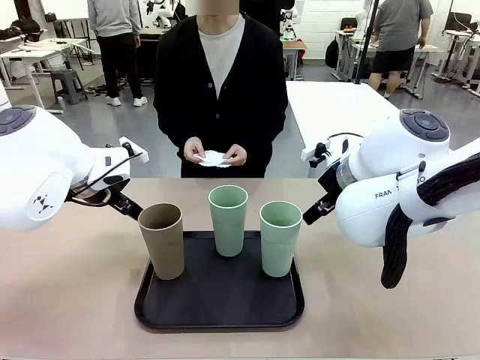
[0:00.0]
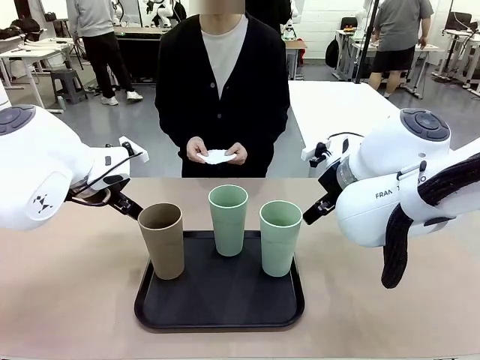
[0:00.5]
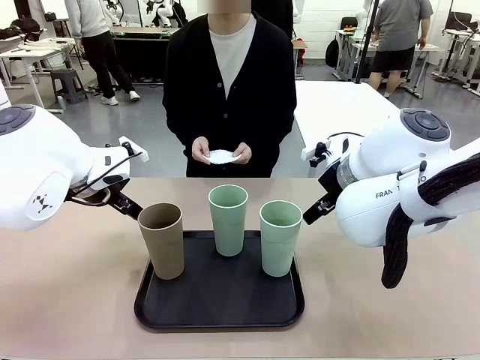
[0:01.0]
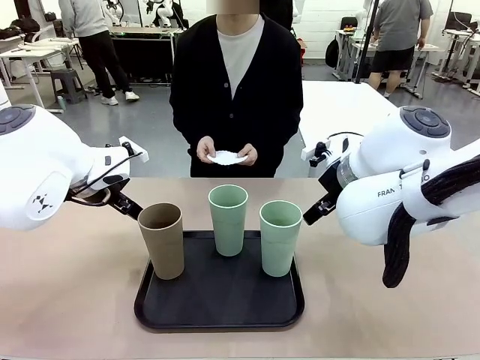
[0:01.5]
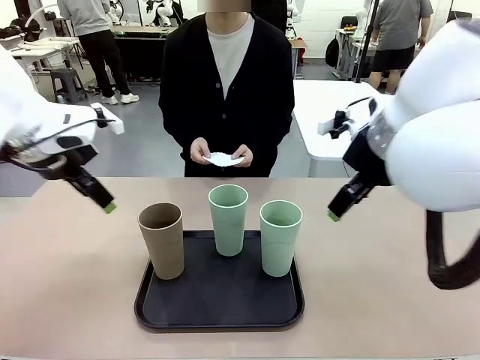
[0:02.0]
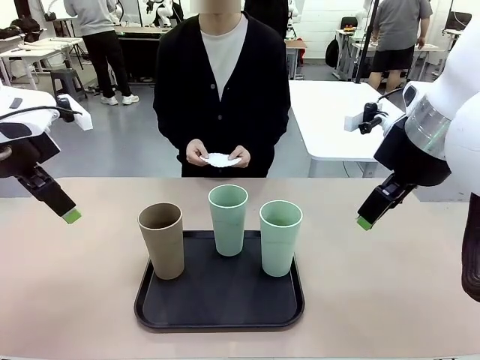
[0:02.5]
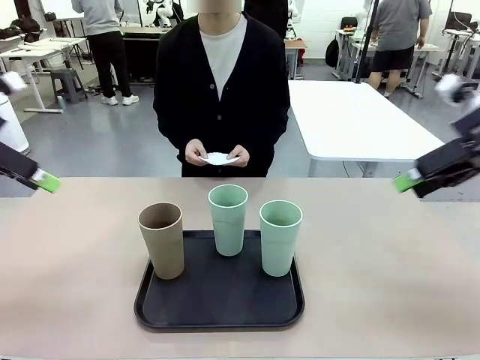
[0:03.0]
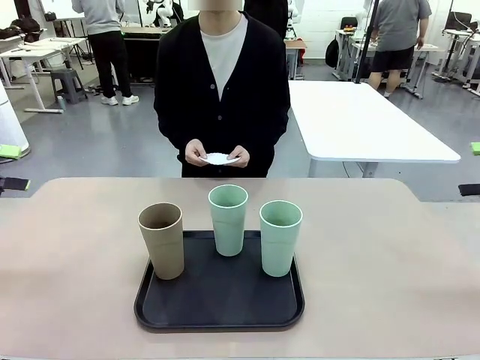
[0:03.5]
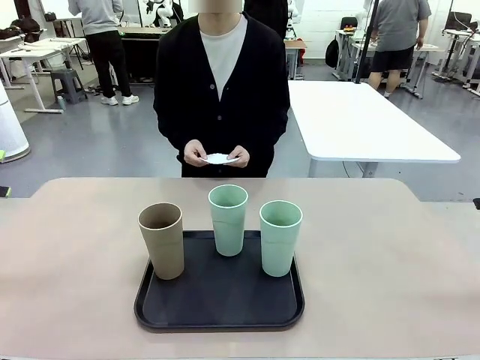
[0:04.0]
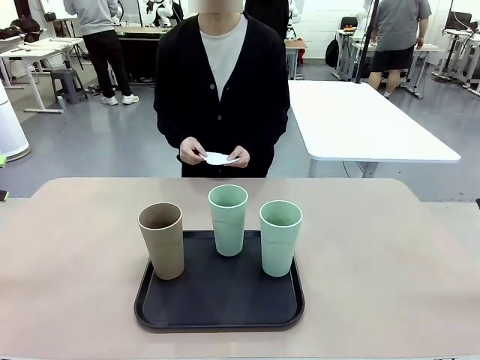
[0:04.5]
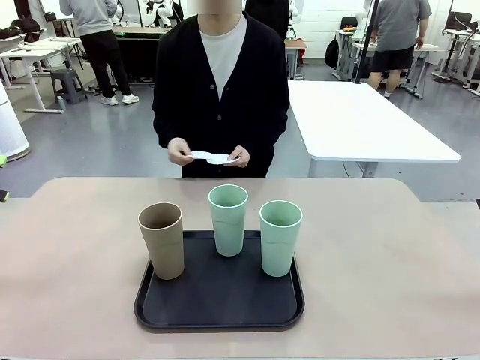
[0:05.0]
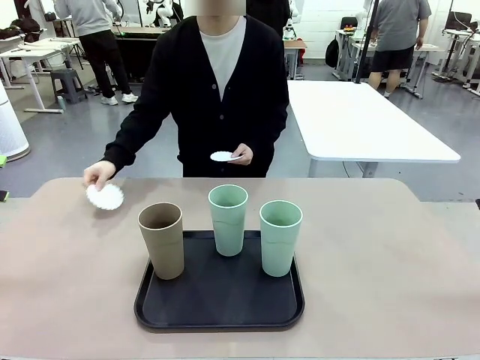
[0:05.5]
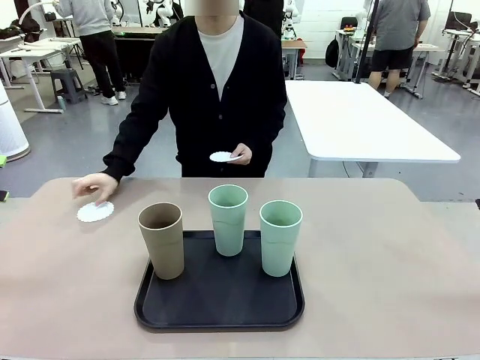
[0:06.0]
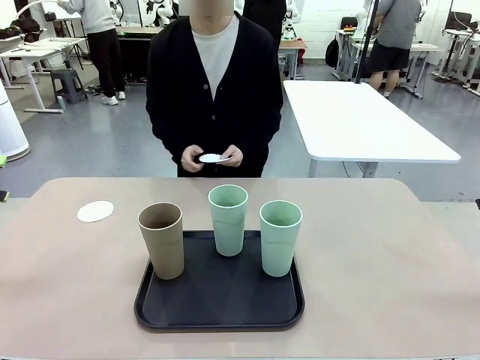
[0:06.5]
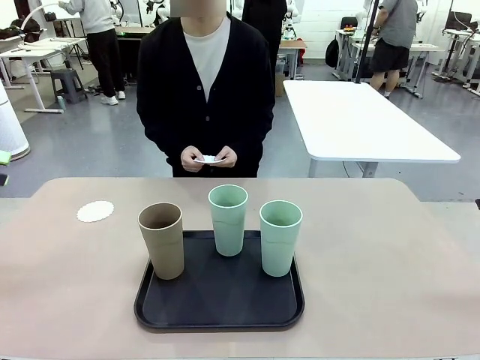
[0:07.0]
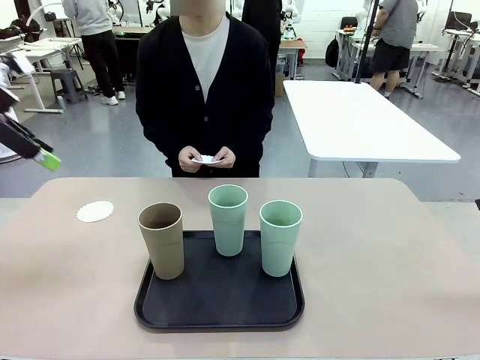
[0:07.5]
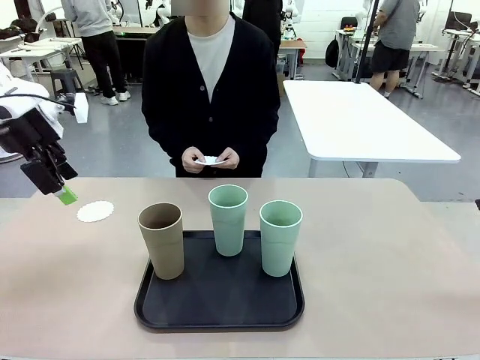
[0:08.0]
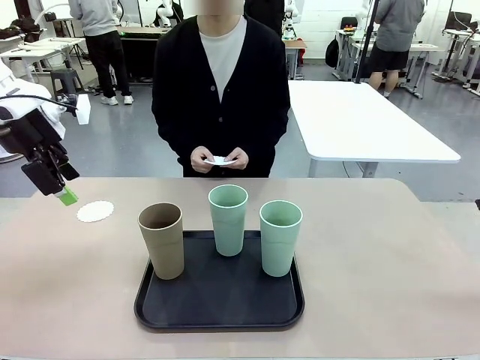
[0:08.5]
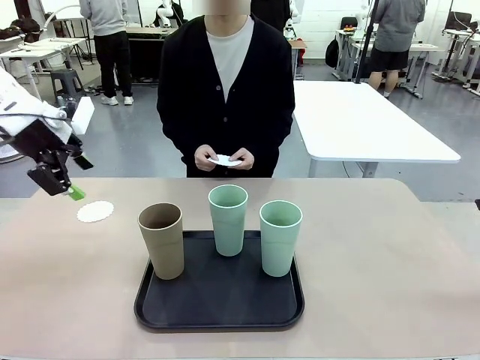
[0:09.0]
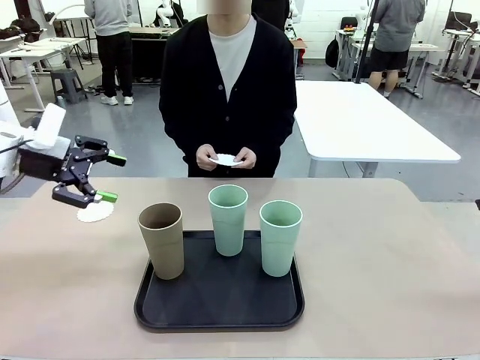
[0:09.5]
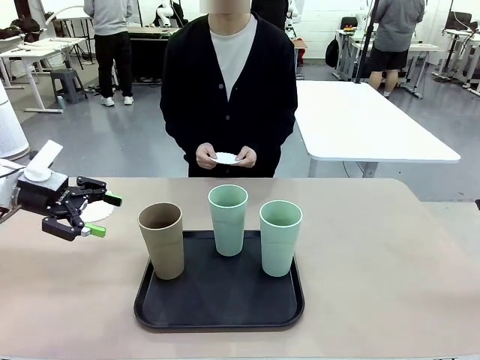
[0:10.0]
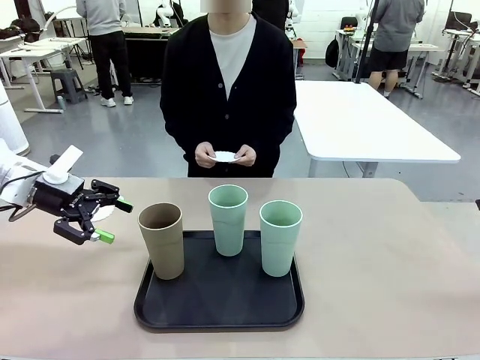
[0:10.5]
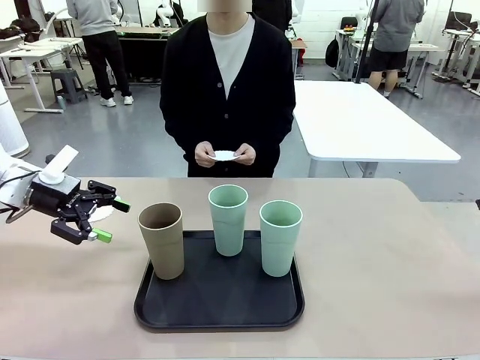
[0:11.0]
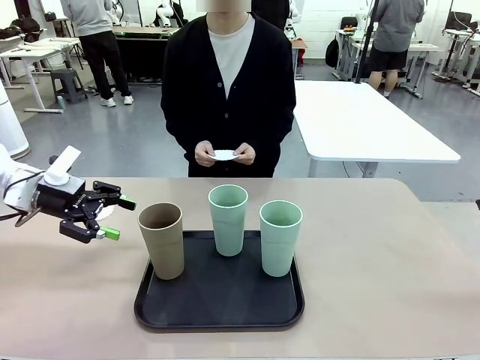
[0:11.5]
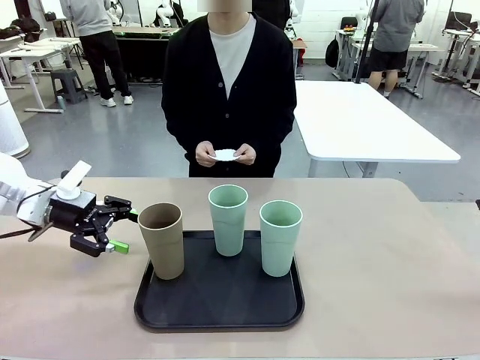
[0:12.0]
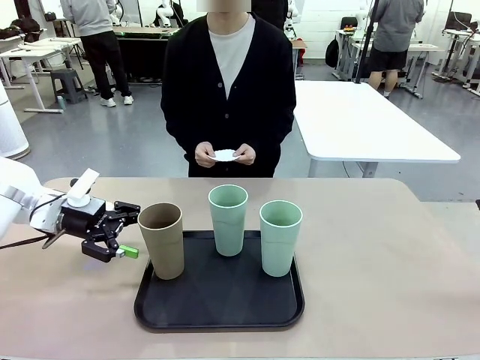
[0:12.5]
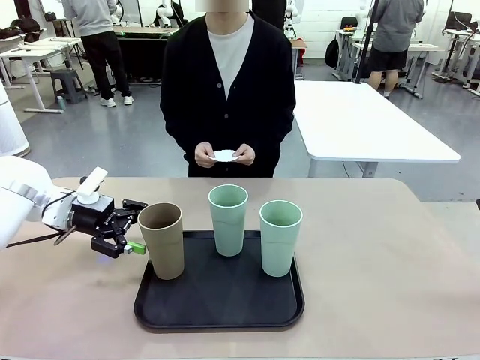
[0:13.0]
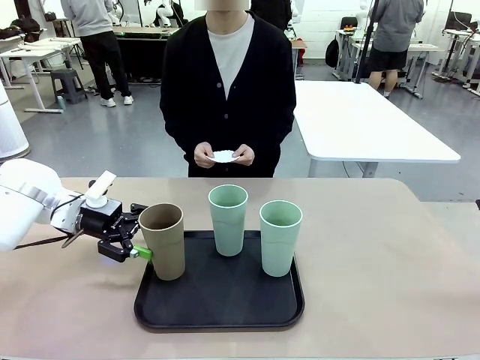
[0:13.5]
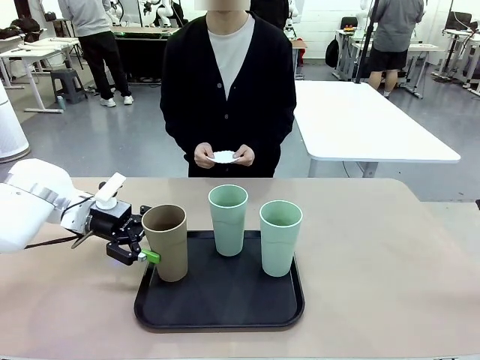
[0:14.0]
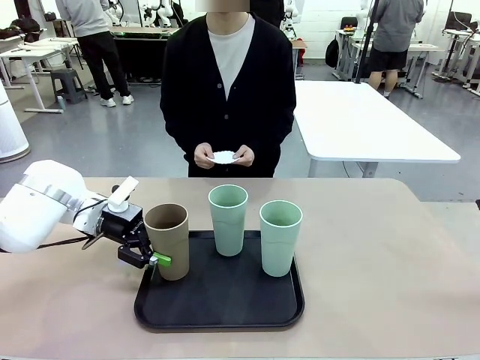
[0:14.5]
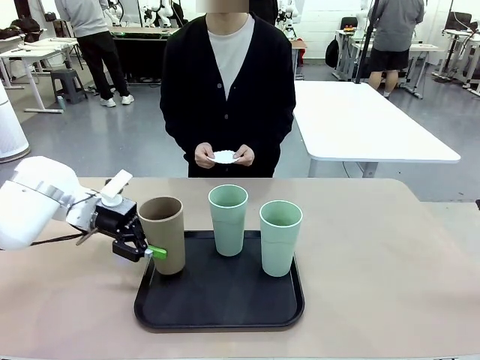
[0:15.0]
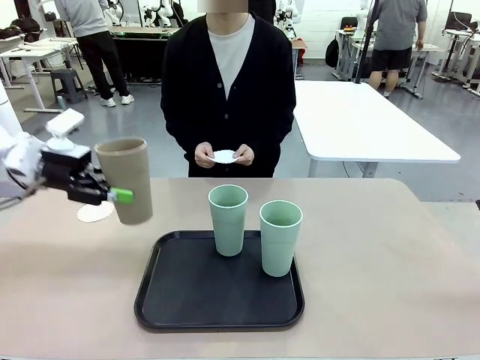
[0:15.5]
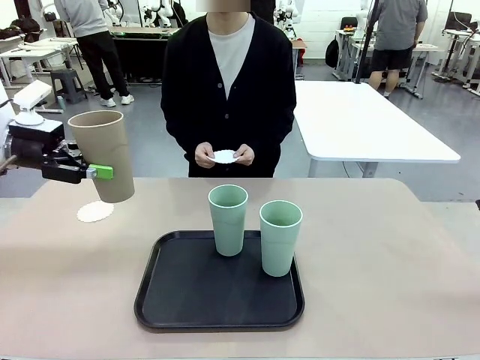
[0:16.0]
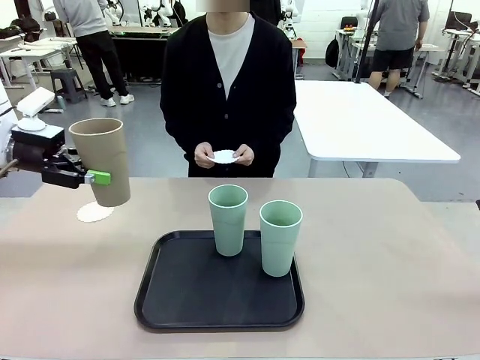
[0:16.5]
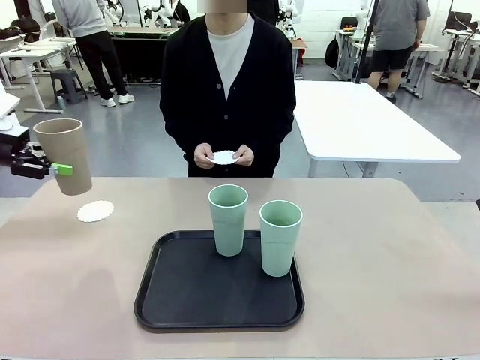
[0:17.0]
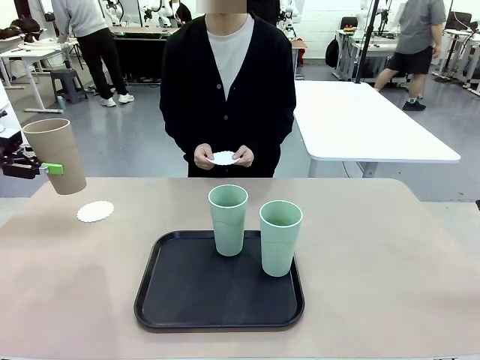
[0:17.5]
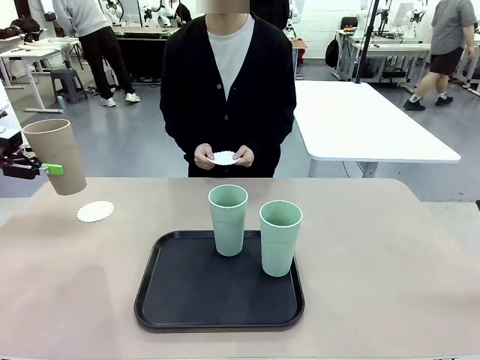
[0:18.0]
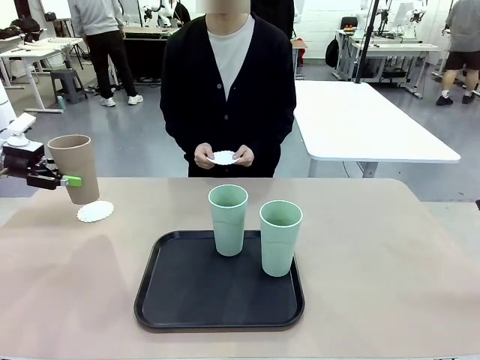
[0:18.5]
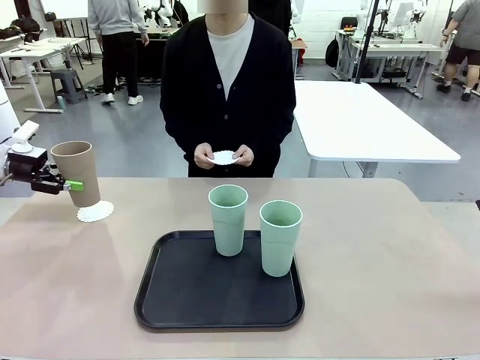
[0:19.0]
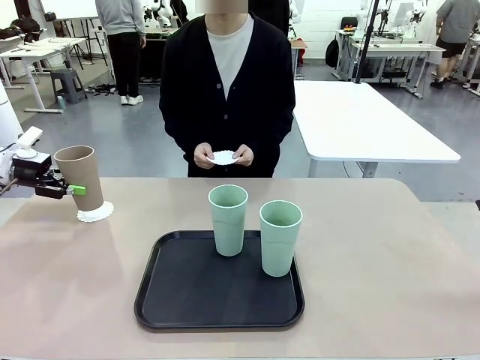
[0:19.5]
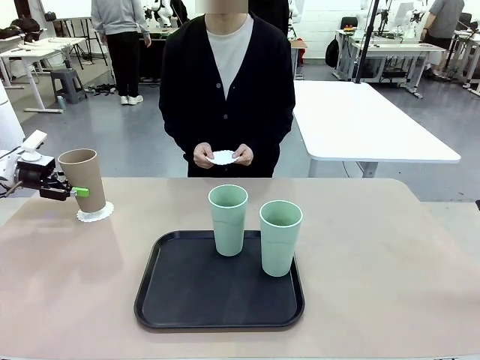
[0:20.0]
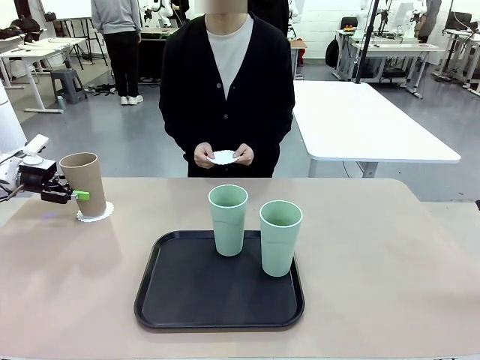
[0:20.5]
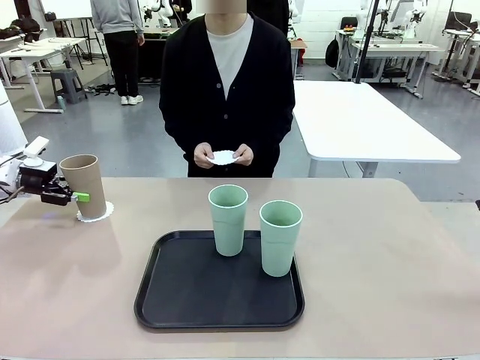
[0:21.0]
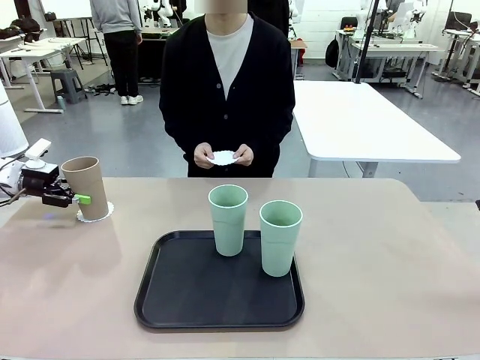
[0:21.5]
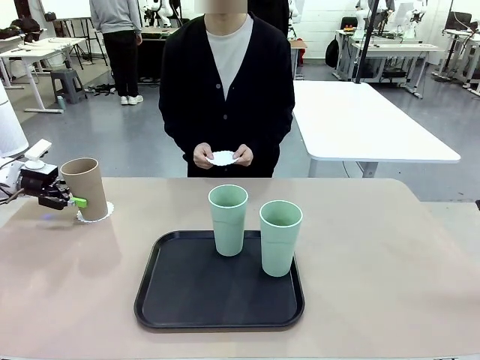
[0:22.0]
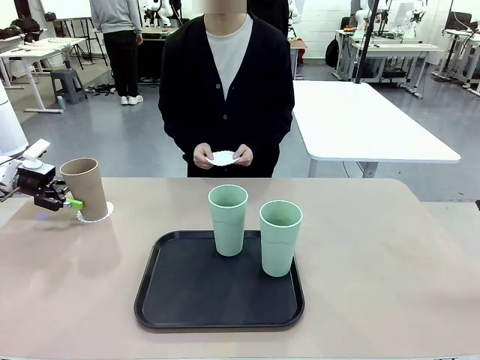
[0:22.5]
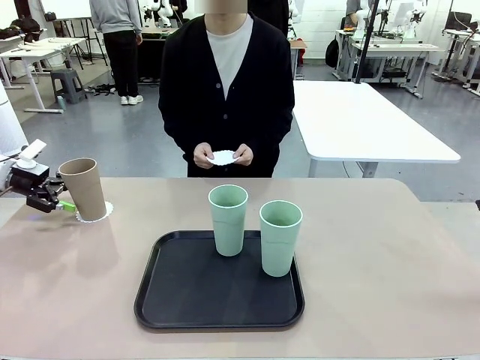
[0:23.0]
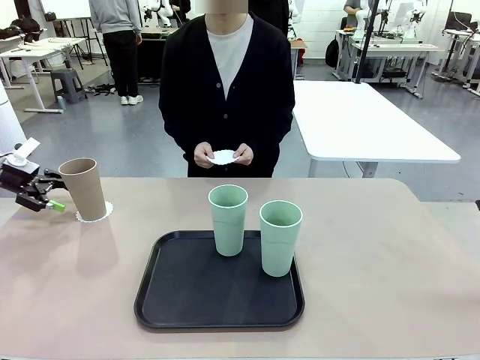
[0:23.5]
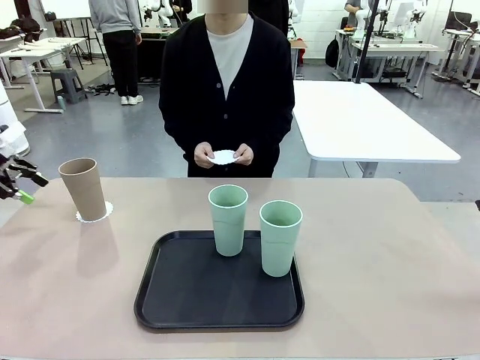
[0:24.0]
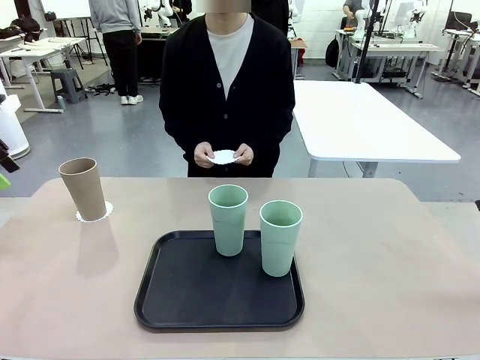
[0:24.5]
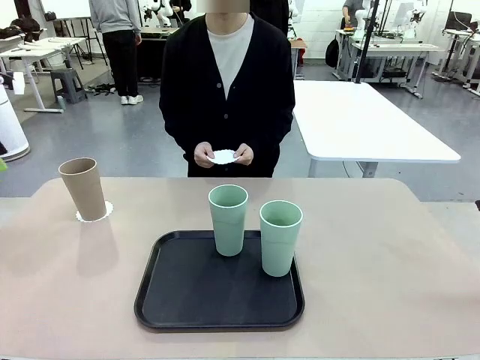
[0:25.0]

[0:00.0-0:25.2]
Task: Place coasters on the table and set cups on them.
Robot: Pick up one Reusable plastic cup and place it on a coaster set by the human.
Person: Place one coaster in any one of the three lower areas of the robot table (left, center, or right). Place one coaster in one of the two areas excluding the previously selected area.
